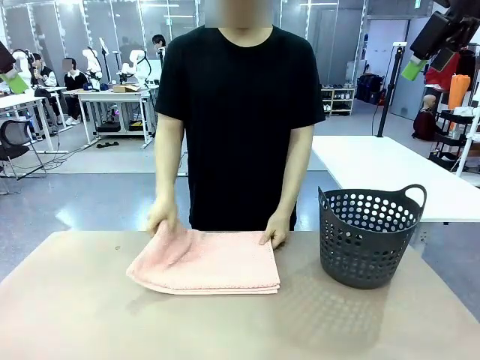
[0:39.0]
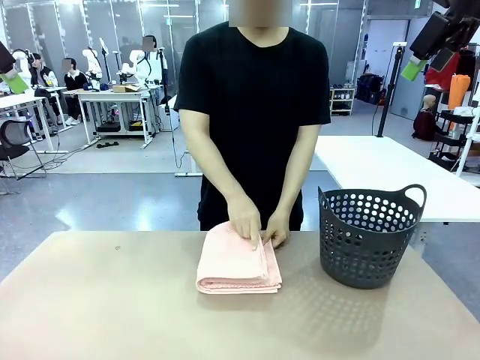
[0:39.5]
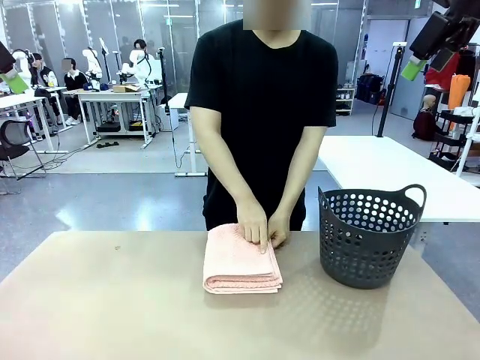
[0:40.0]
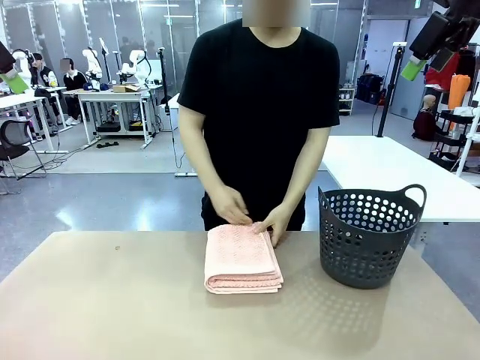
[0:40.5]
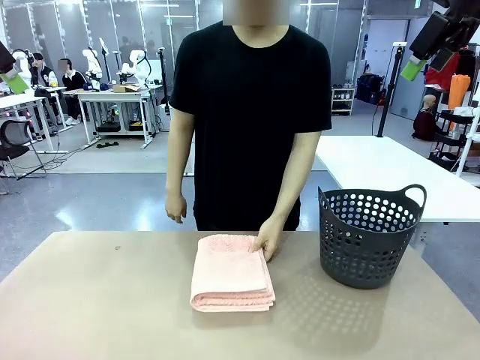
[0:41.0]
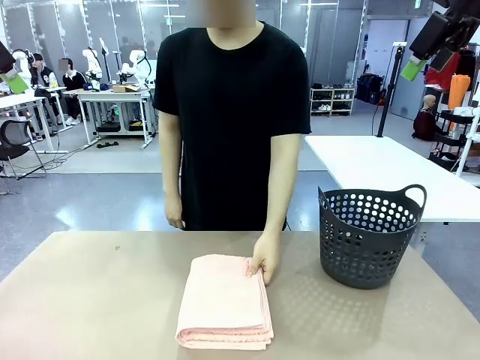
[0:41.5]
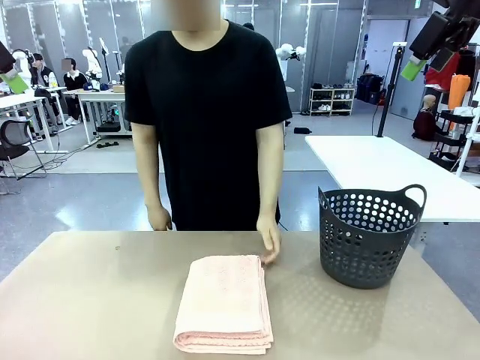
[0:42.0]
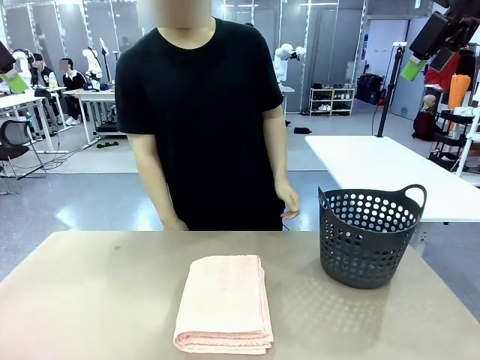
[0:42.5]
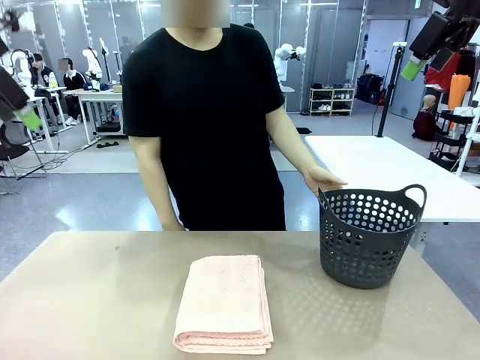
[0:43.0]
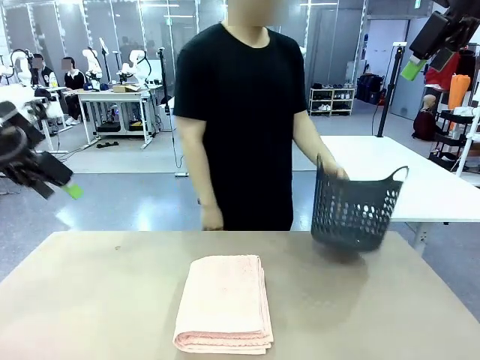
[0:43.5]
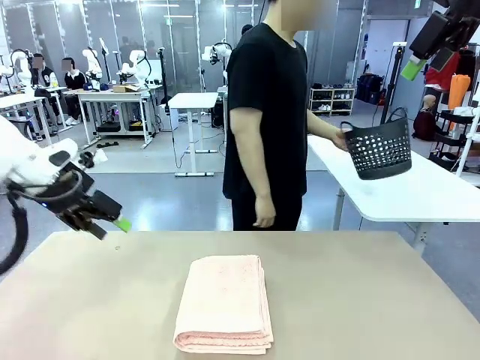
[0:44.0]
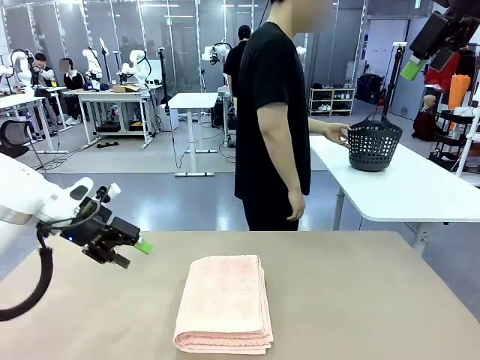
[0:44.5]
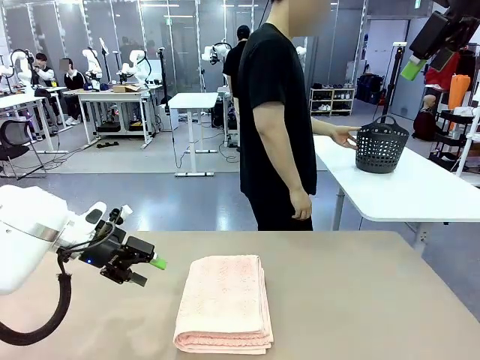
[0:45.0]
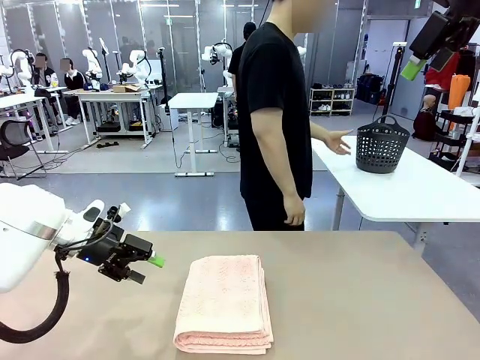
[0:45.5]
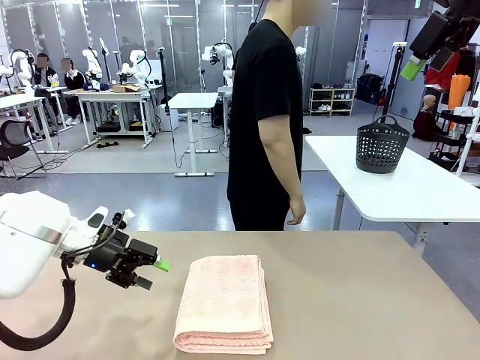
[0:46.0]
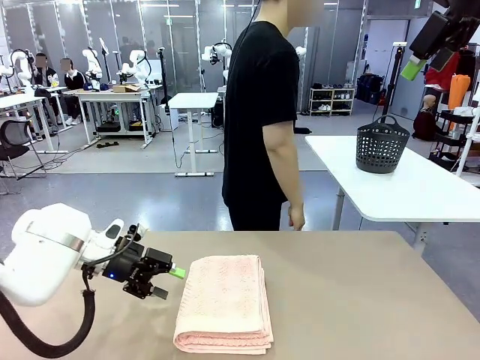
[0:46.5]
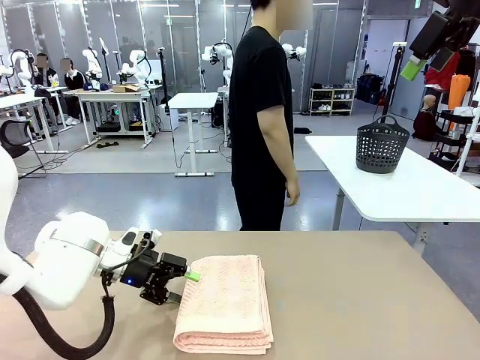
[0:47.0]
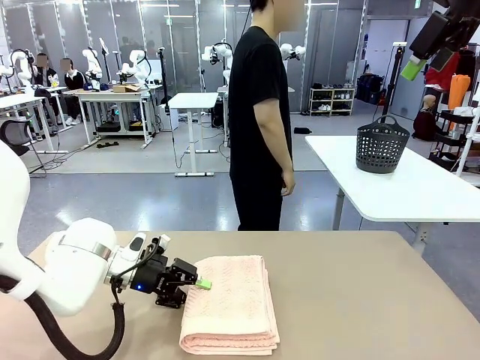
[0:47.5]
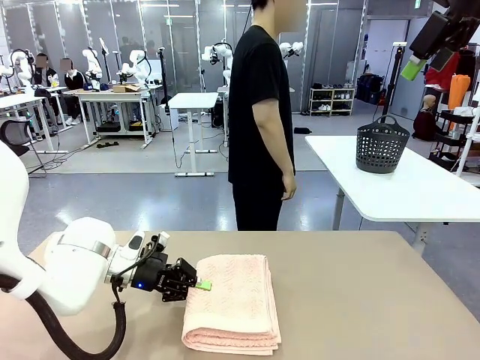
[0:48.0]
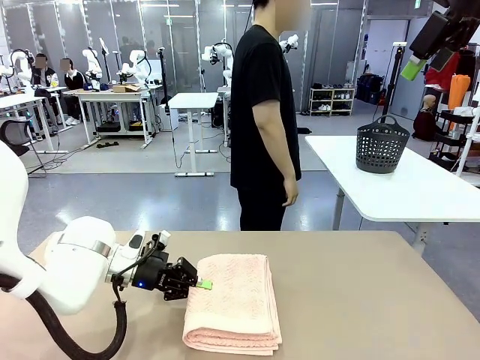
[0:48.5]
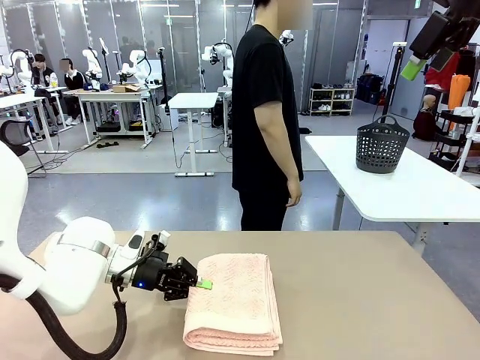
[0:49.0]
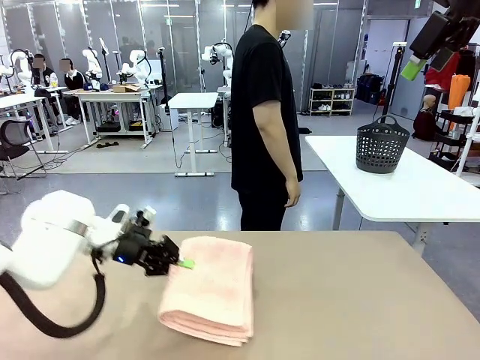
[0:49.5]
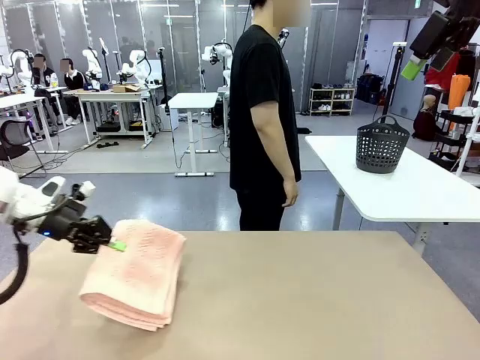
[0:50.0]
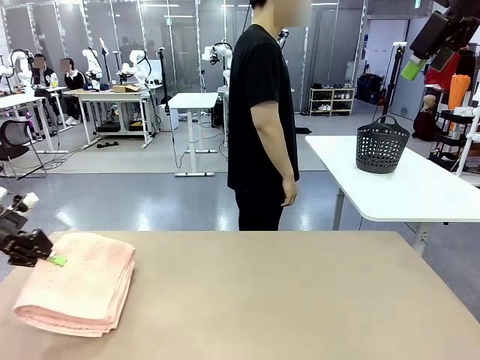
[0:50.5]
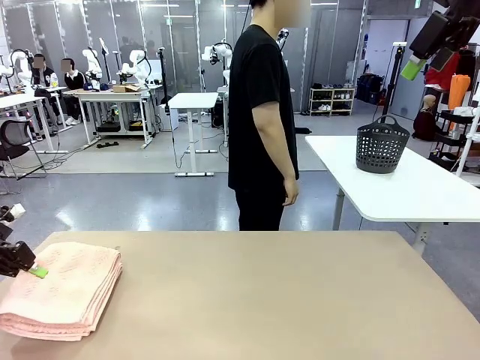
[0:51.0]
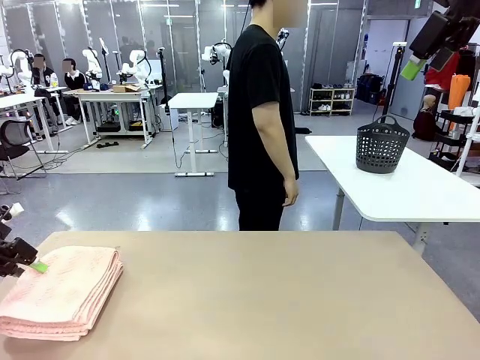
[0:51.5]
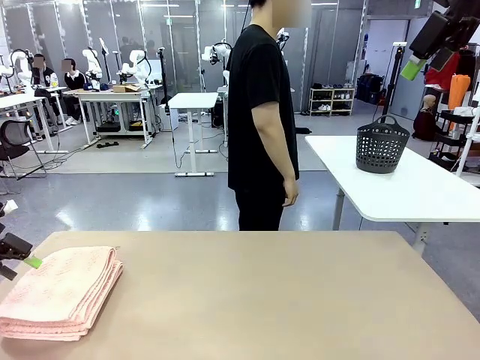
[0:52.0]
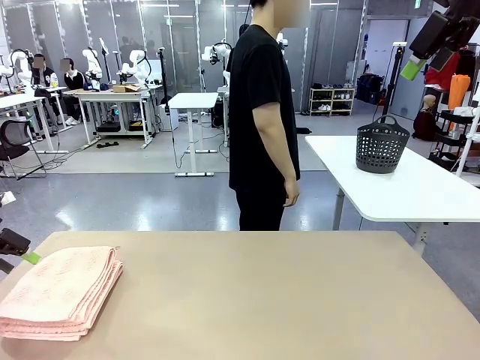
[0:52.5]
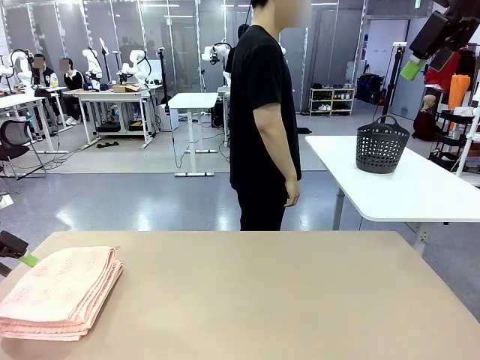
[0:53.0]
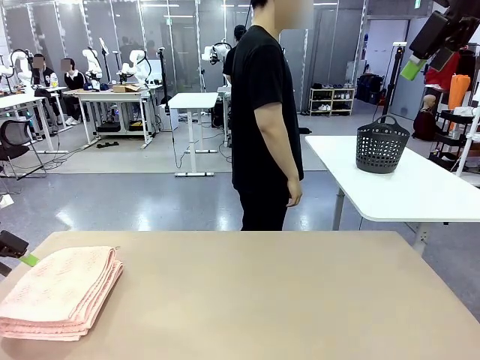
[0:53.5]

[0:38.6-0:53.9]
Task: Fold the towel.
Robot: Pick up the 100 cm Hotel Towel and place it on the left side of the table.
Person: Place the towel at the center of the robot table and fold it in half. Pick up the laundry basket and place it at the center of the human table.

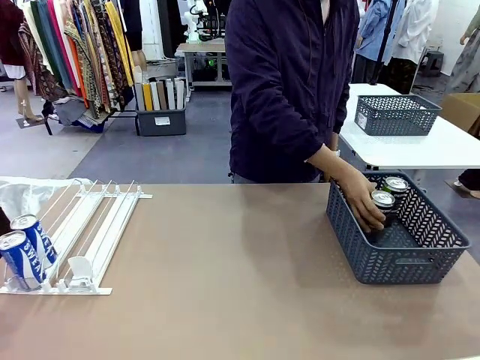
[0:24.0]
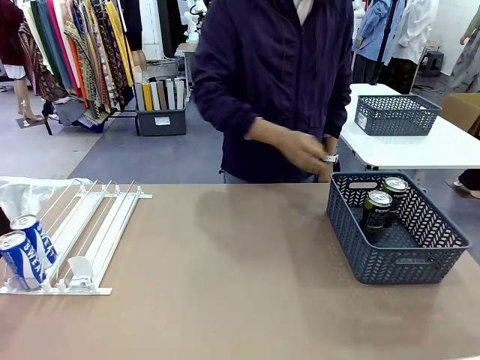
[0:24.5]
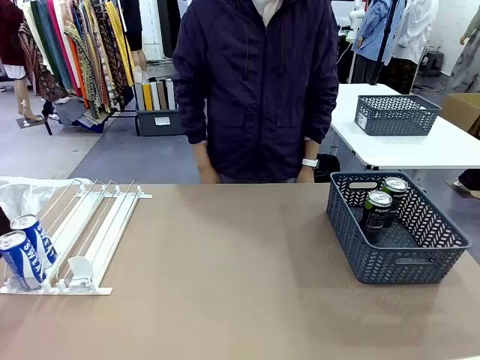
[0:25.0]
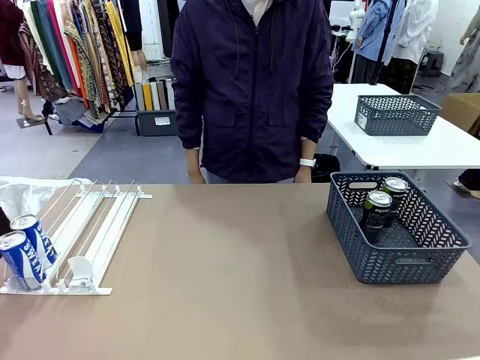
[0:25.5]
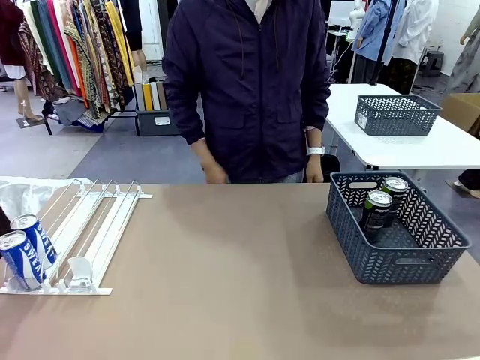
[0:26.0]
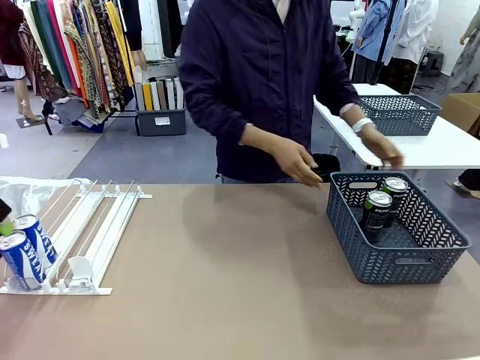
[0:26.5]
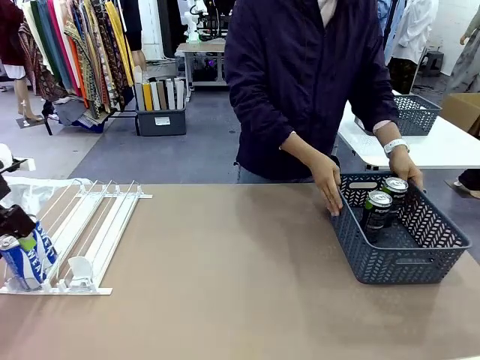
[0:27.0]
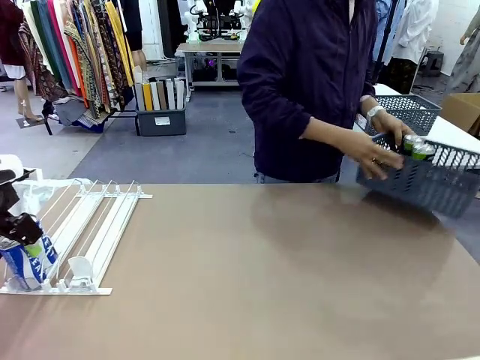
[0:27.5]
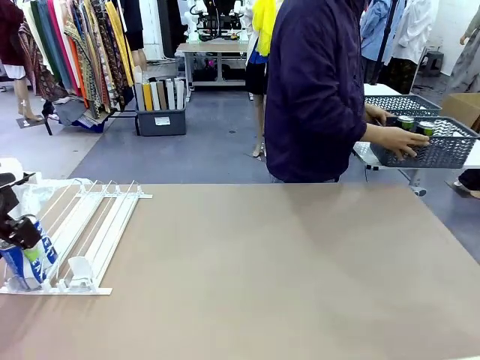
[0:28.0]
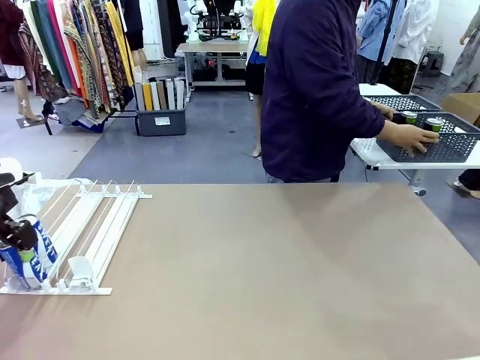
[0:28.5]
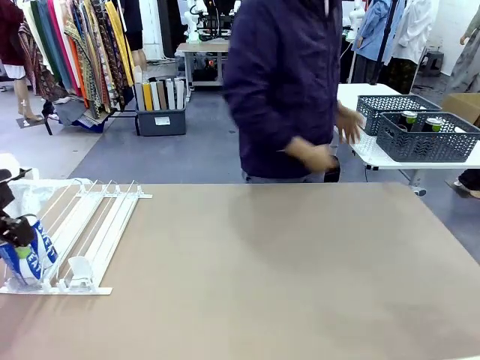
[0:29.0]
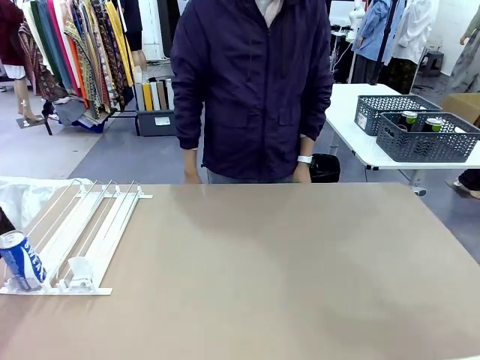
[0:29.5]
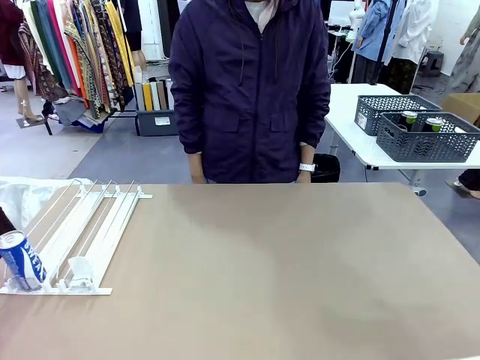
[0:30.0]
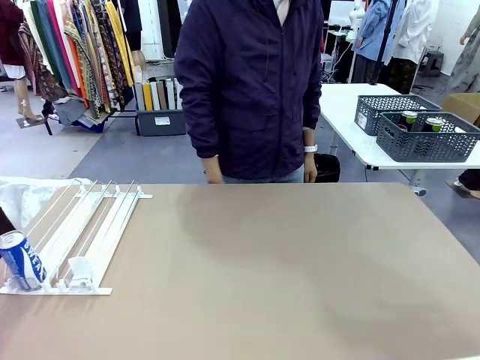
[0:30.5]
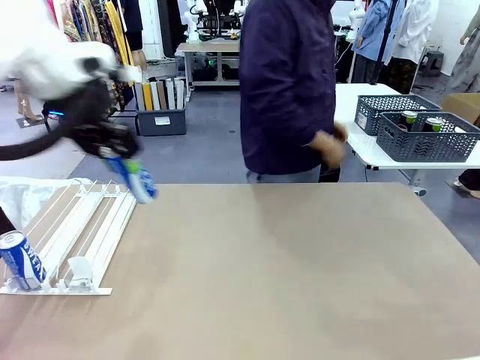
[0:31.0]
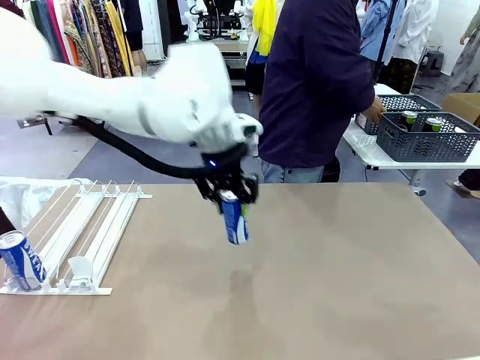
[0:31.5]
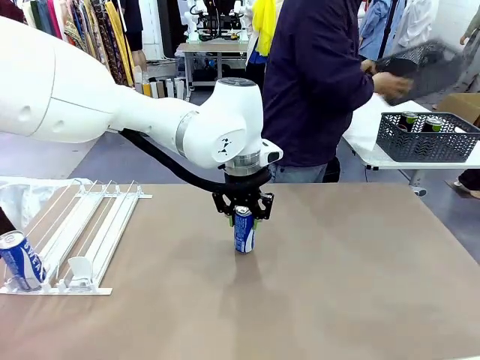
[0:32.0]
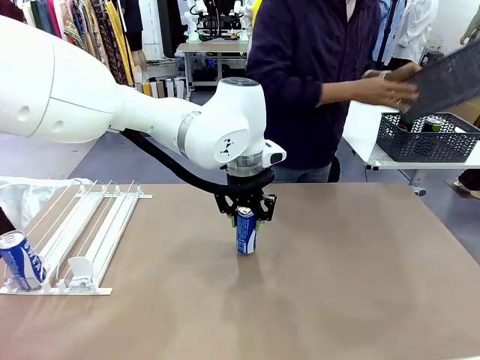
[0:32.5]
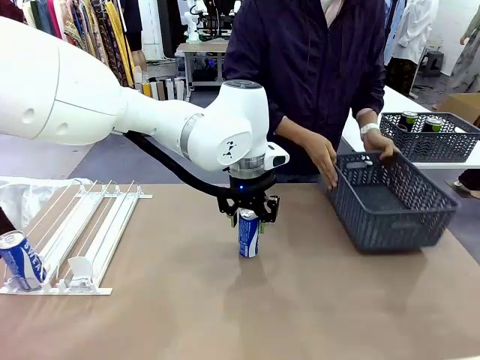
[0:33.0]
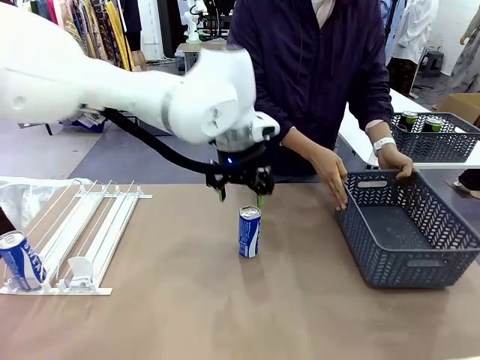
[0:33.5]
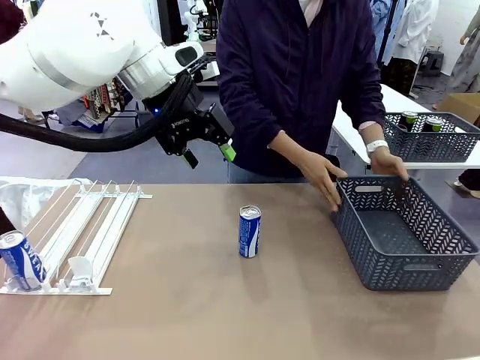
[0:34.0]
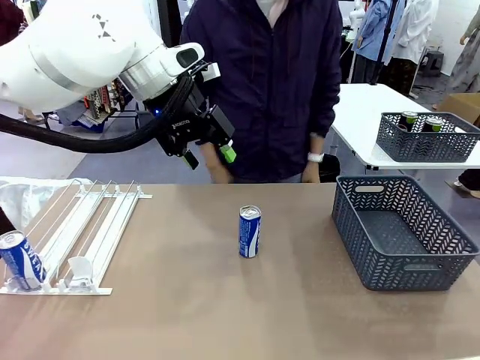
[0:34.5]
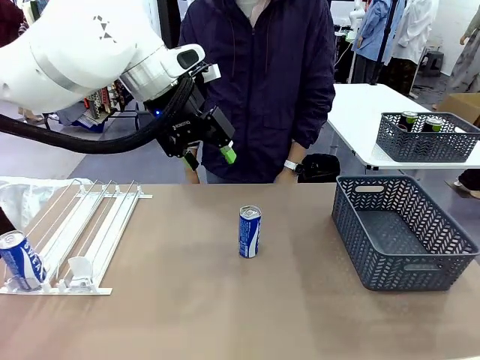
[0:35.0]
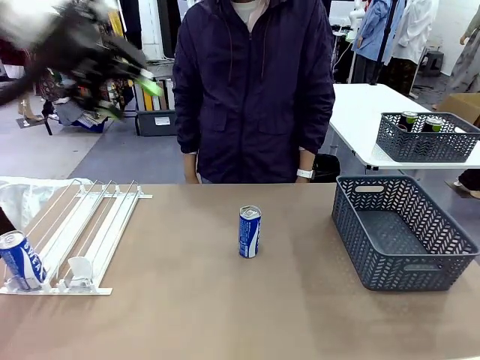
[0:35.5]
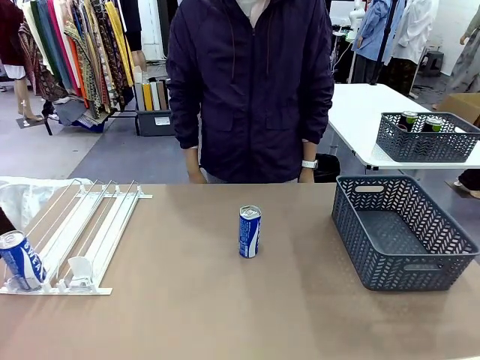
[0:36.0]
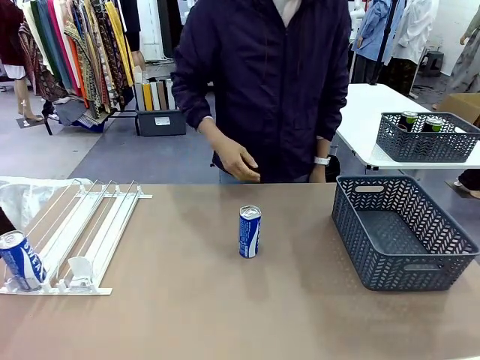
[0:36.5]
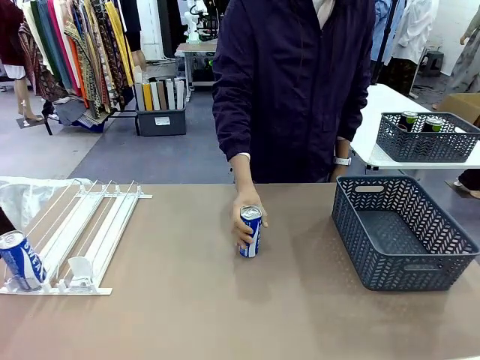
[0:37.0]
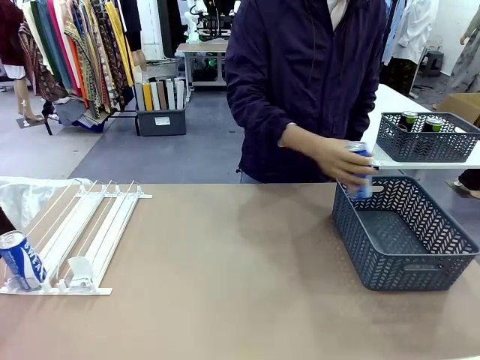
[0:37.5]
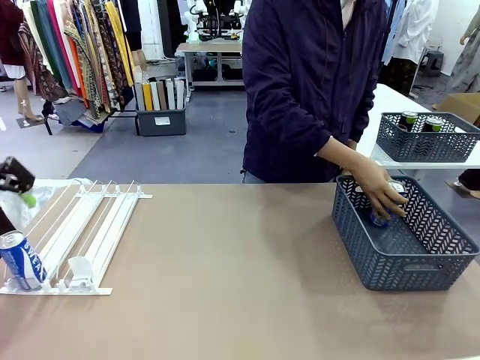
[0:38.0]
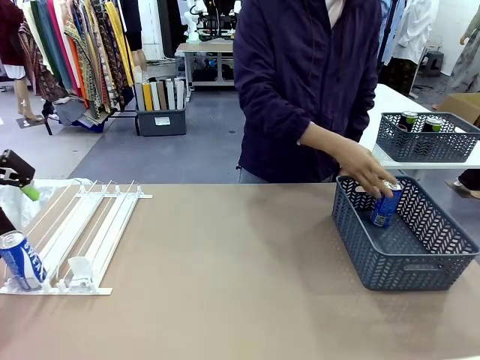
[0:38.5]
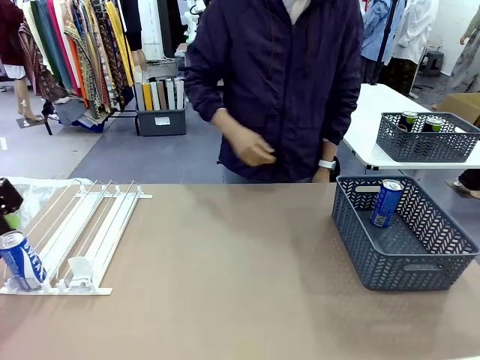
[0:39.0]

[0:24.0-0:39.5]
Task: Retrieve and store the cans from the dispenser.
Robot: Pick up one can from the Automatic Can Dispenser and place it in the middle of the table.
Person: Pick up the basket and place it in the middle of the human table. Pick up the empty basket and place it on the left side of the robot table.
